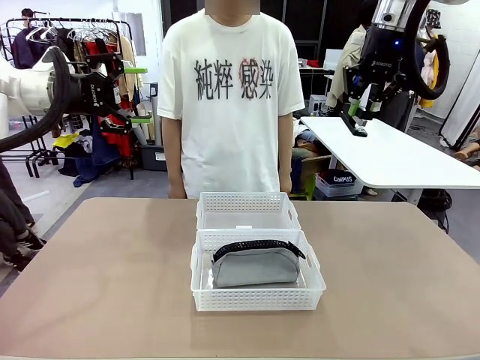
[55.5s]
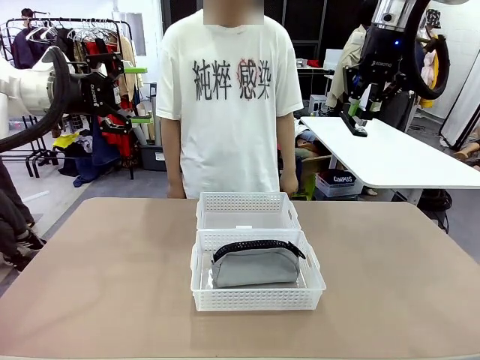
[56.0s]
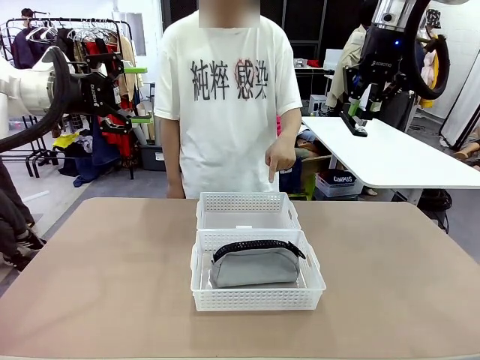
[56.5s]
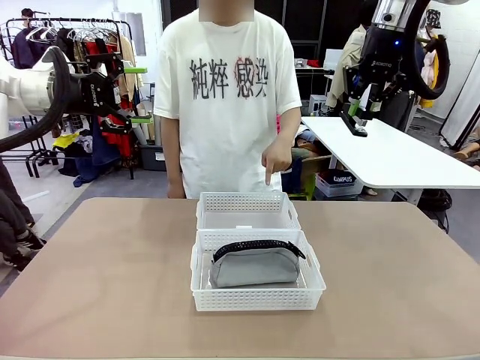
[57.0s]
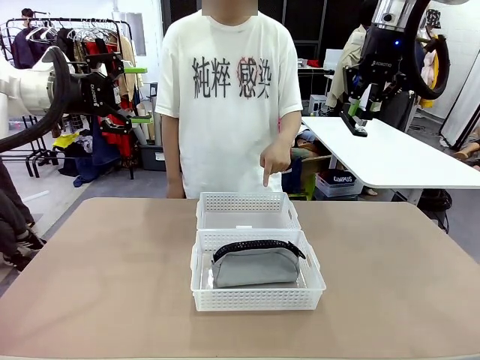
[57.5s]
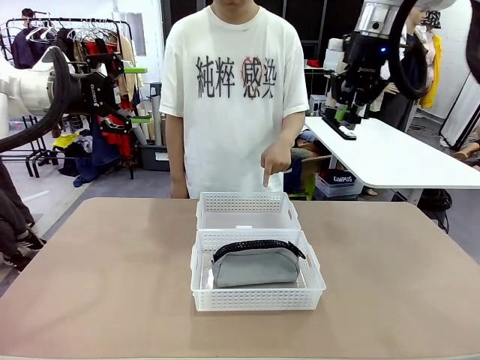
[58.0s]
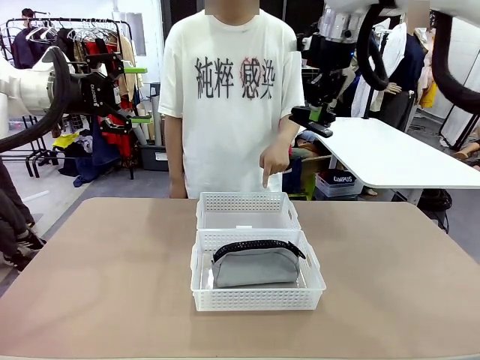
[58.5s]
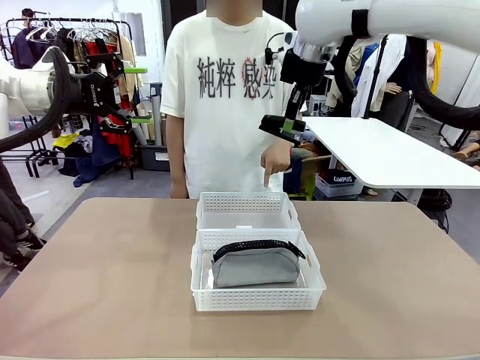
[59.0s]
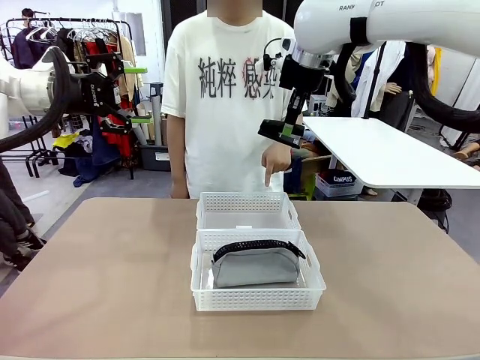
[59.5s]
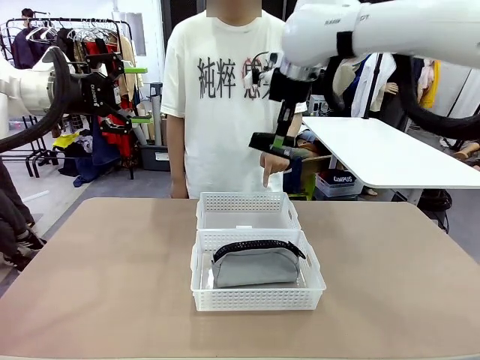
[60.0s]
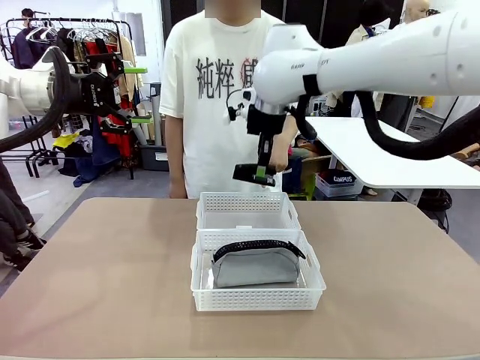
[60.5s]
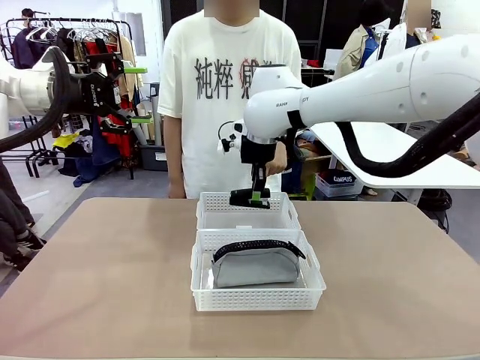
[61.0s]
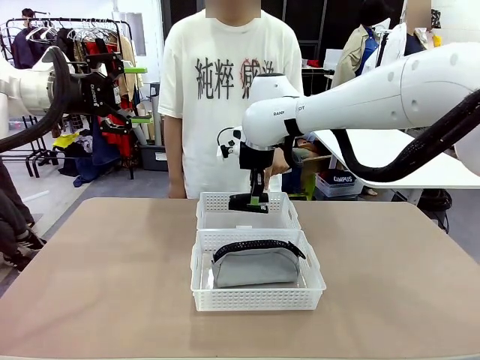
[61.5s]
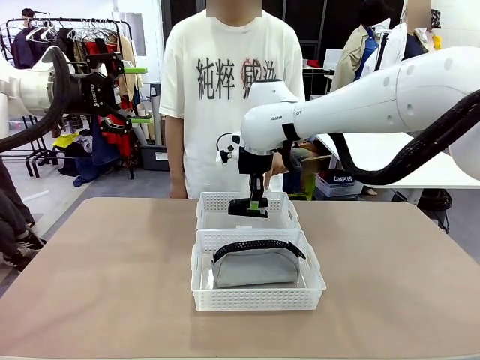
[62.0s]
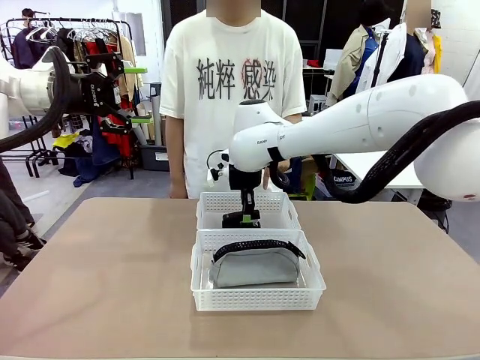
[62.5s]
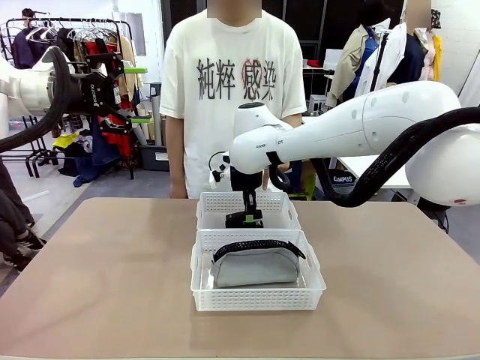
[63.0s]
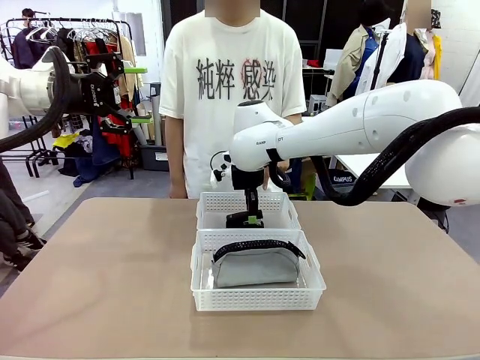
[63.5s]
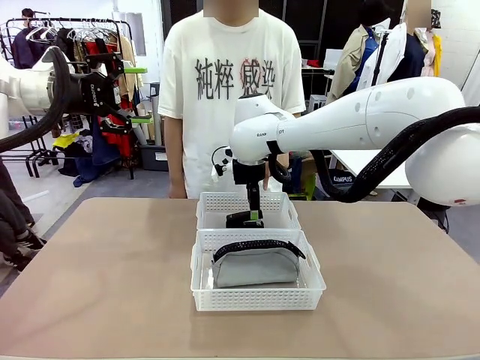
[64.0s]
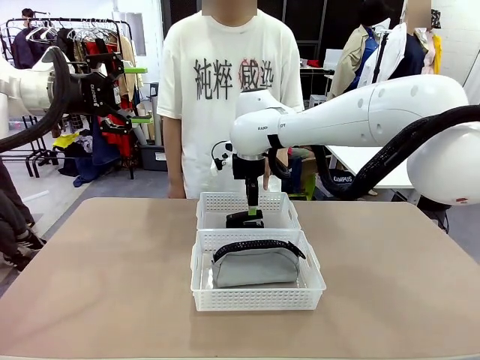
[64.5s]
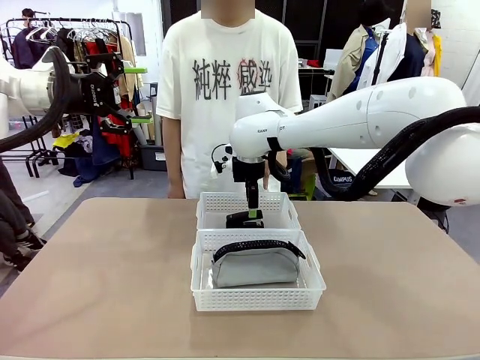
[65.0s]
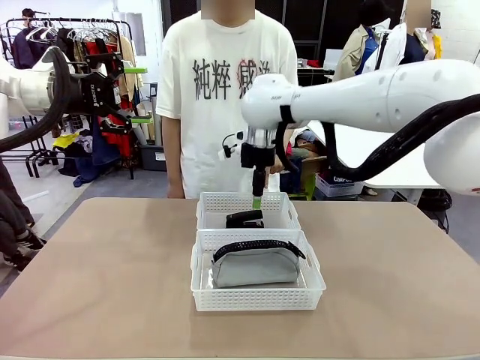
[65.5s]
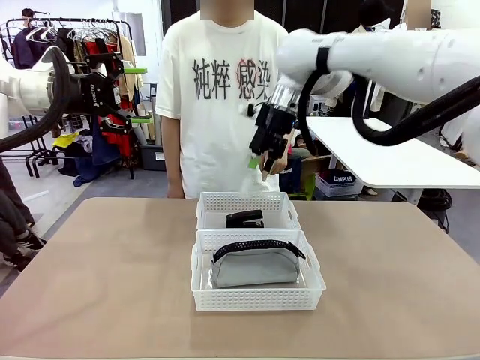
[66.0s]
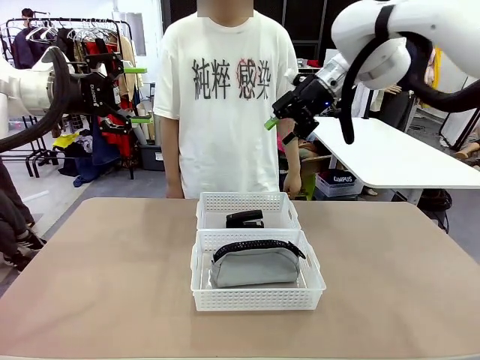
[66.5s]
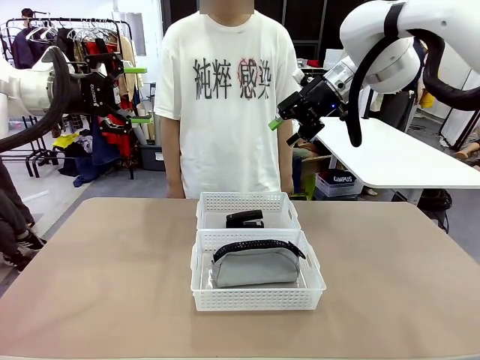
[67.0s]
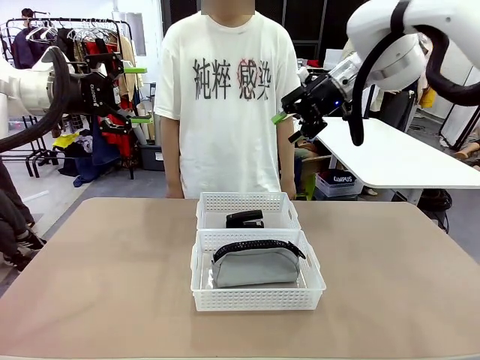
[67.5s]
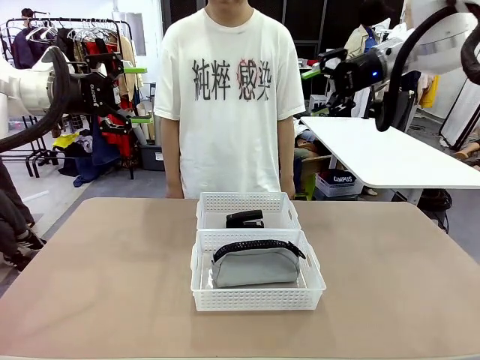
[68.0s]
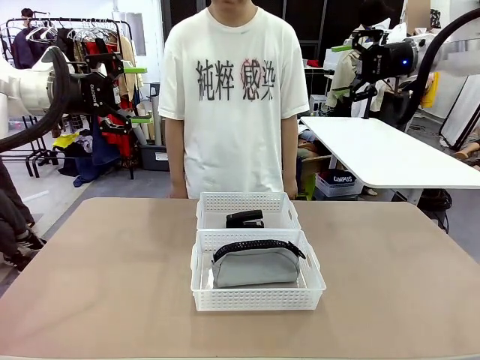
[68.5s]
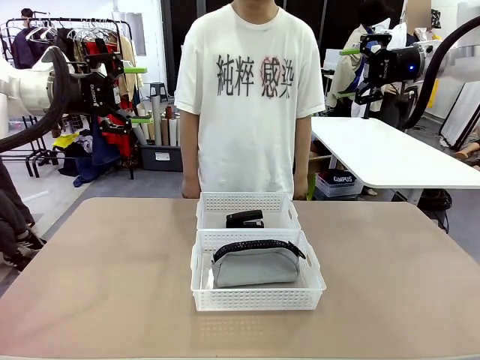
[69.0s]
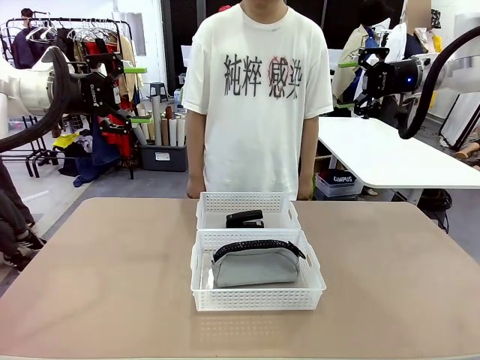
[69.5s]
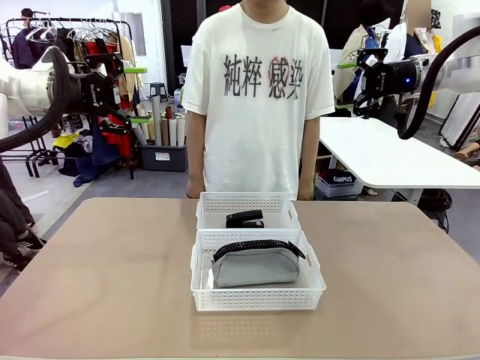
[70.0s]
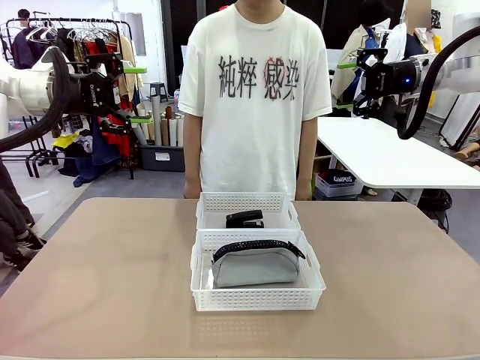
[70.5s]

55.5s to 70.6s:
Task: Distribute items into two baskets.
Robot: Place the picked Stapler into the Organizing basket as instructed by the person.
Person: Points to the basket that does not contain the pencil case and instructs the robot to move the stapler there.

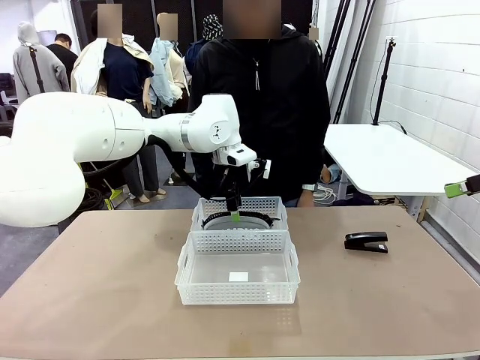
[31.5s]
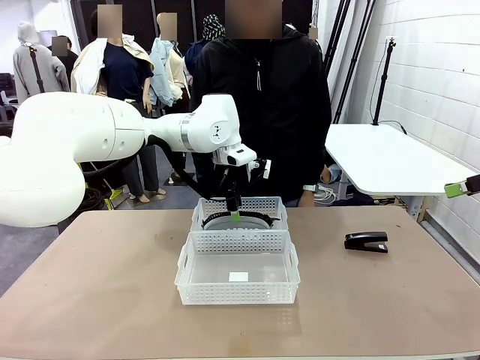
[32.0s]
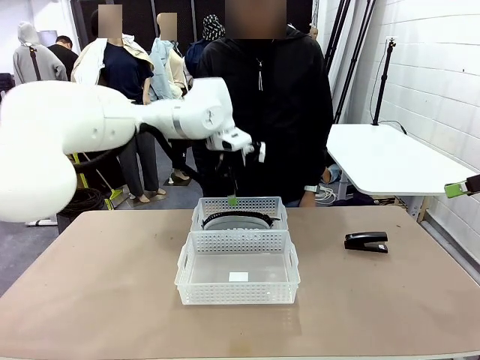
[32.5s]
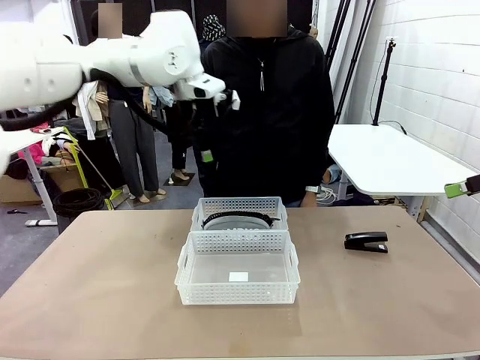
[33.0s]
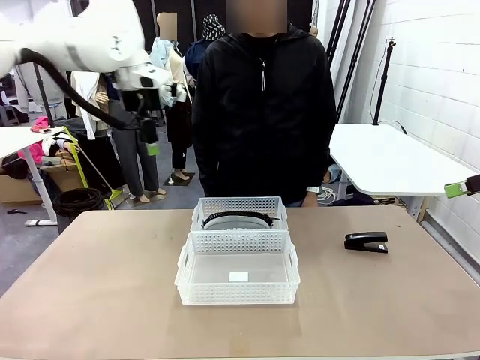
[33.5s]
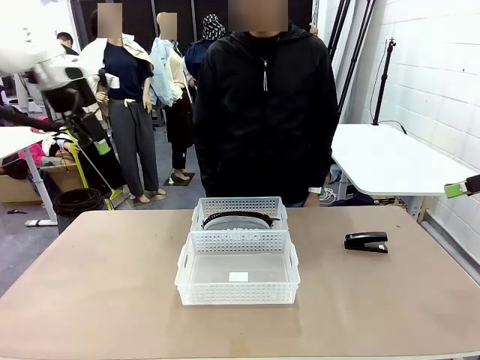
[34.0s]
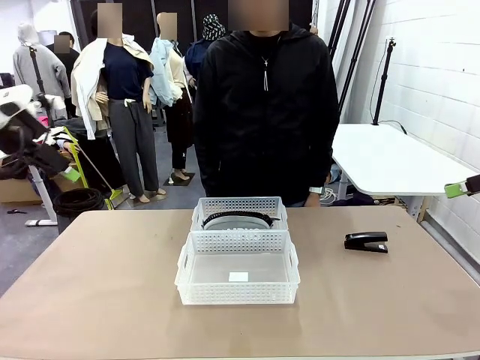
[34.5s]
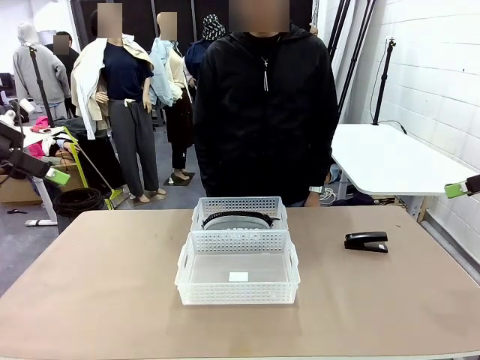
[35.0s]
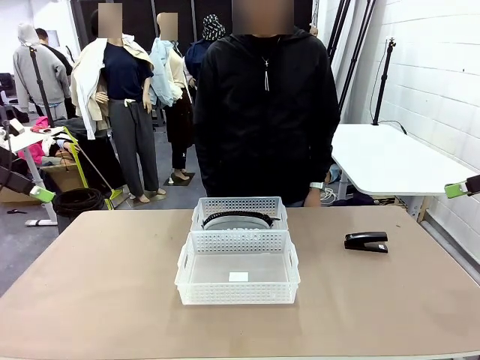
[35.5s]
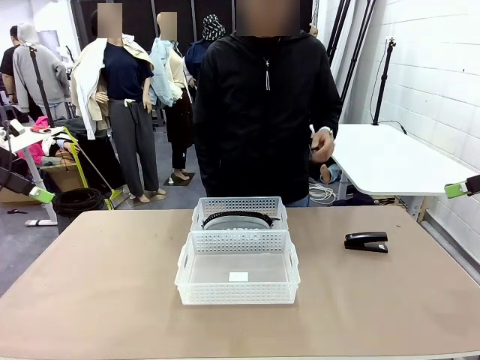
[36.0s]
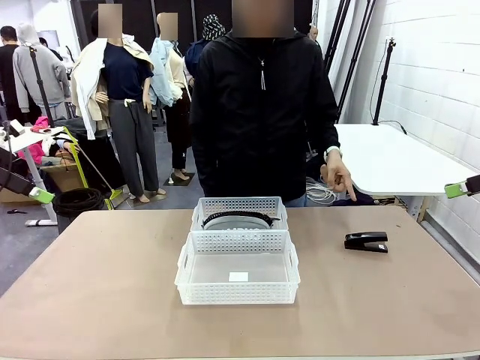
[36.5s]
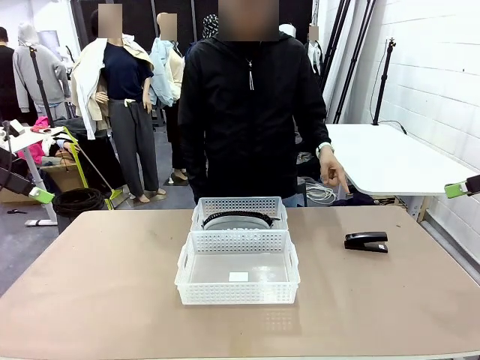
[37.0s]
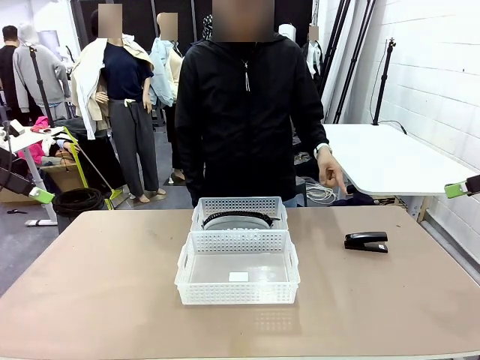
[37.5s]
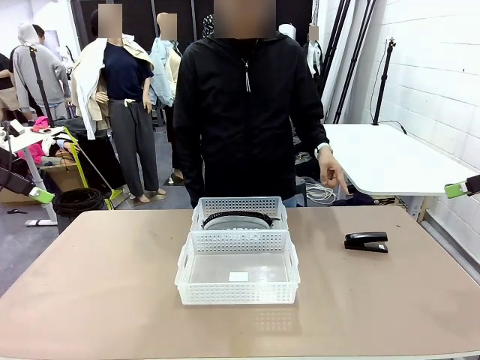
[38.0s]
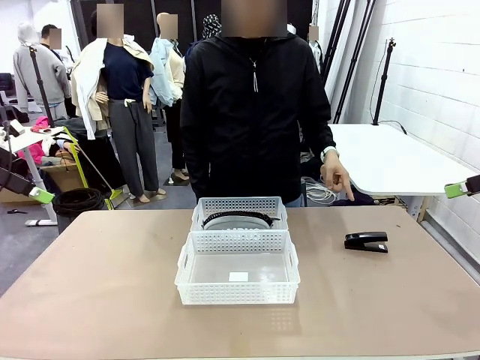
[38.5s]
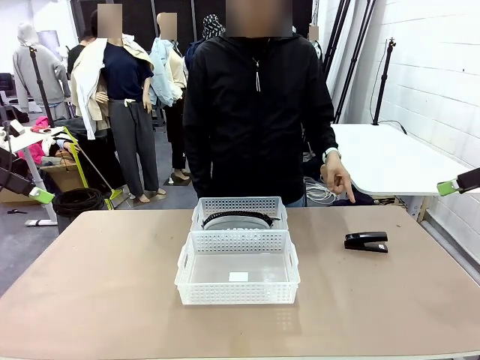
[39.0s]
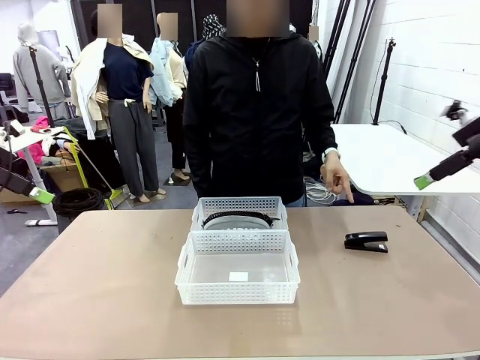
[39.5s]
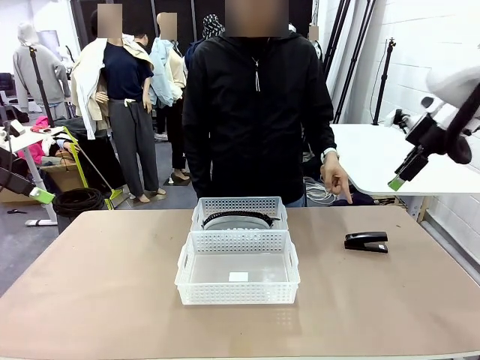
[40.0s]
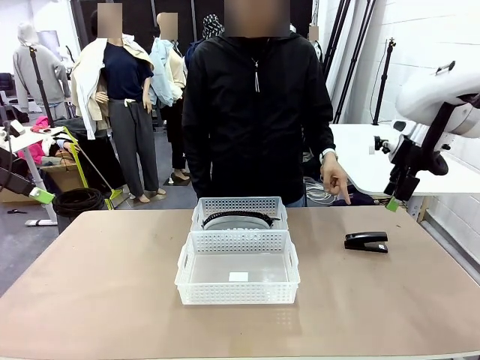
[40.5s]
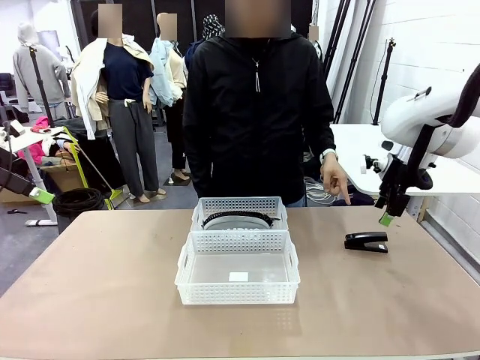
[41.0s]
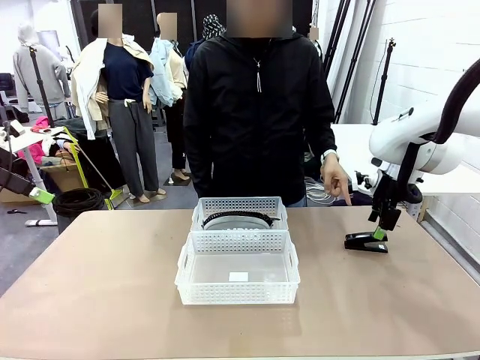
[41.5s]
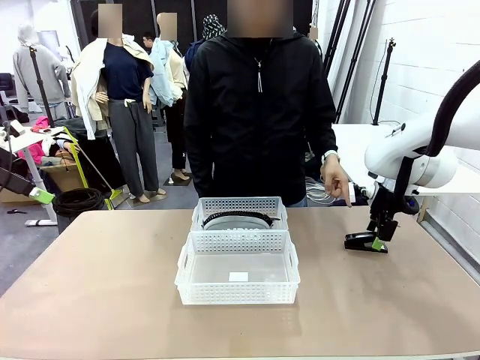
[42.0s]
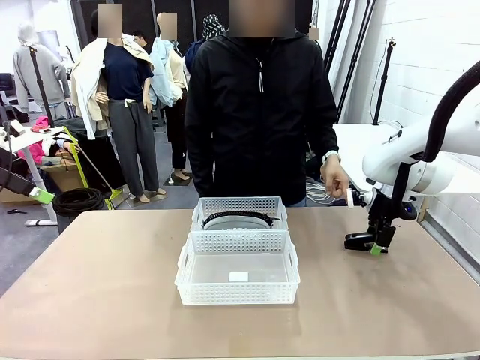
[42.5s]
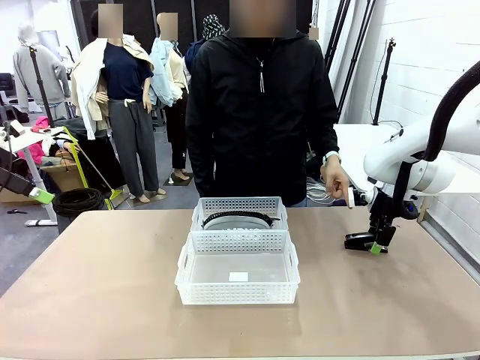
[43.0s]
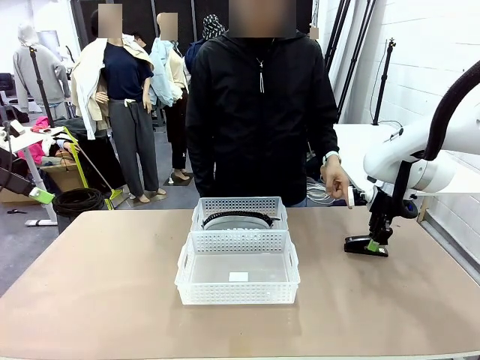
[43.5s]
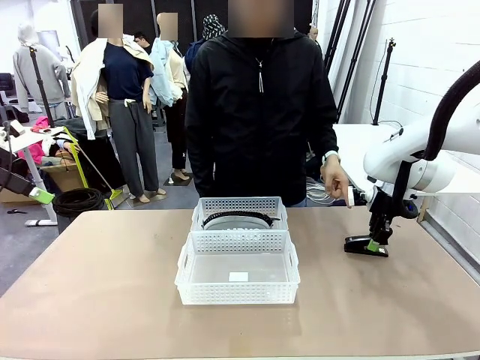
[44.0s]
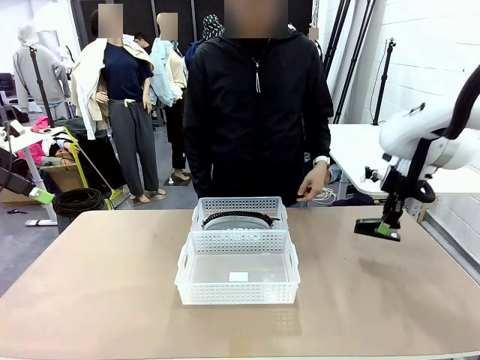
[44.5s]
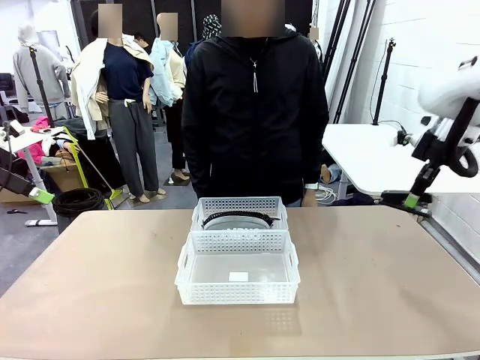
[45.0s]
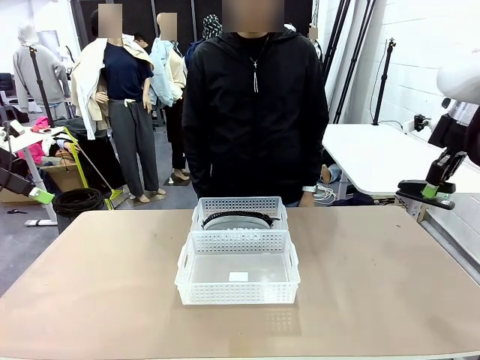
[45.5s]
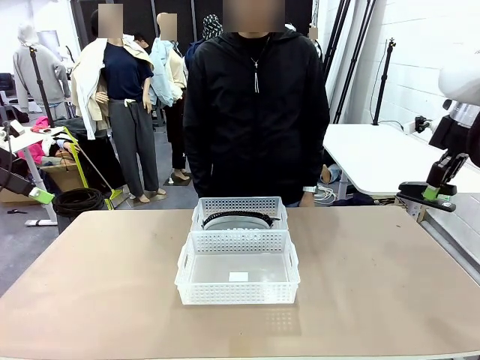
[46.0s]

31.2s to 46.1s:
Task: Distribute items into two baskets.
Robot: Pick up the Stapler that the person points to.
